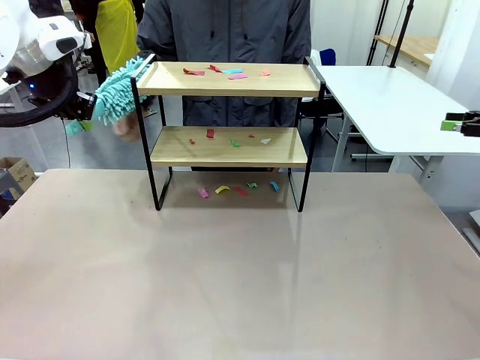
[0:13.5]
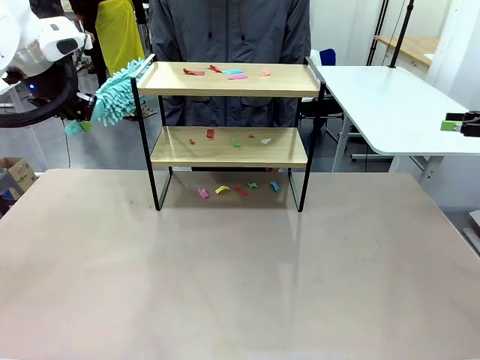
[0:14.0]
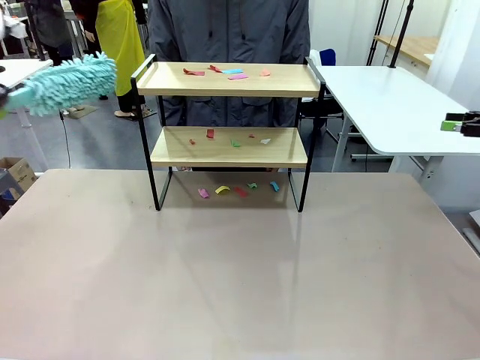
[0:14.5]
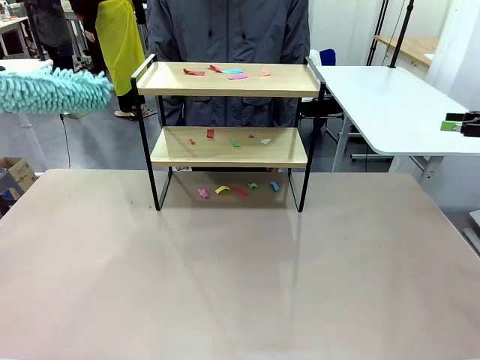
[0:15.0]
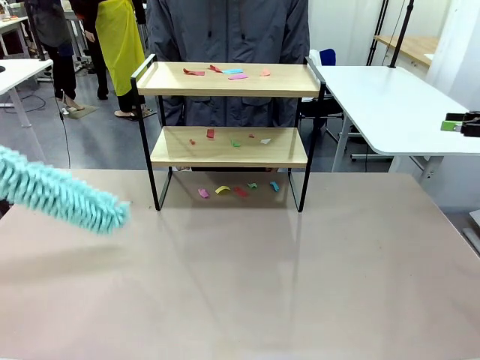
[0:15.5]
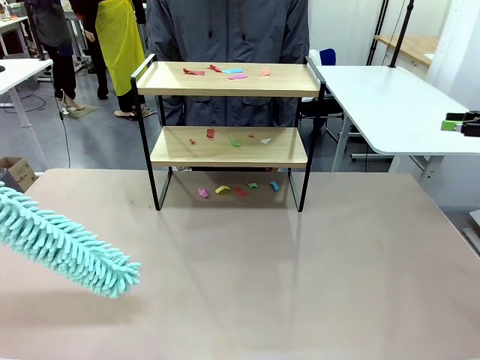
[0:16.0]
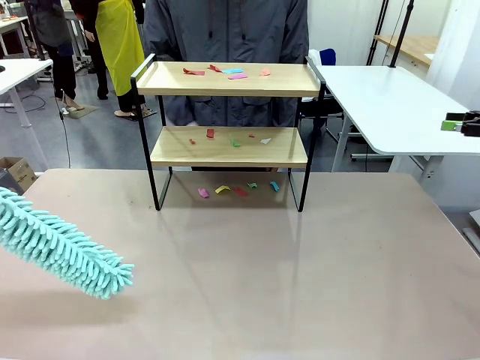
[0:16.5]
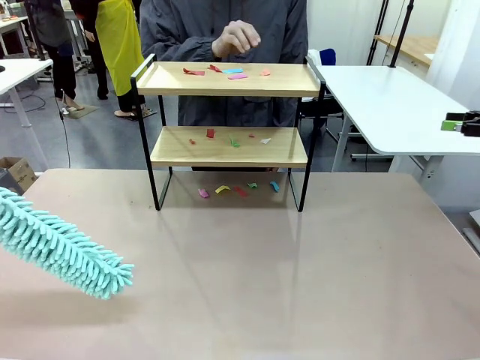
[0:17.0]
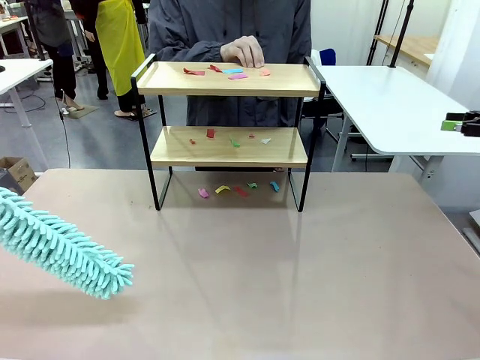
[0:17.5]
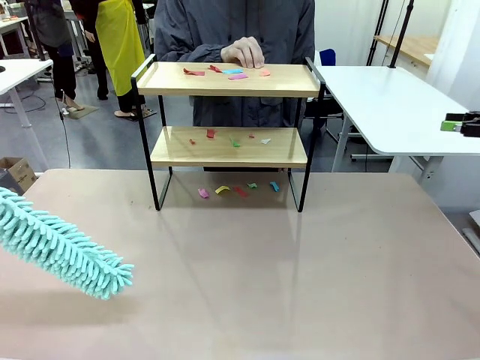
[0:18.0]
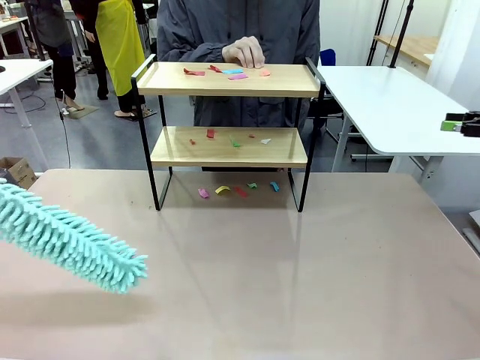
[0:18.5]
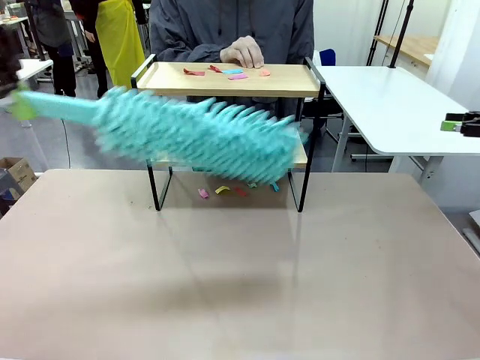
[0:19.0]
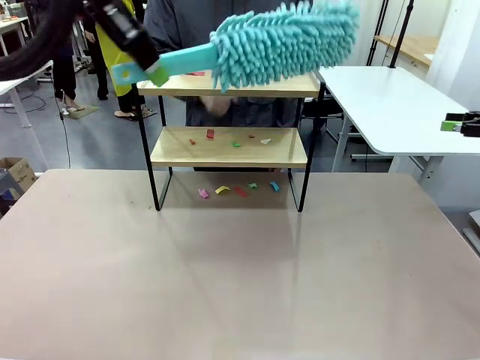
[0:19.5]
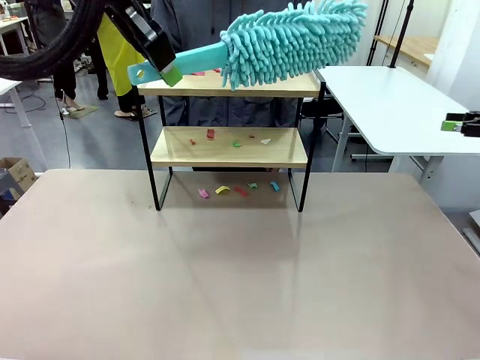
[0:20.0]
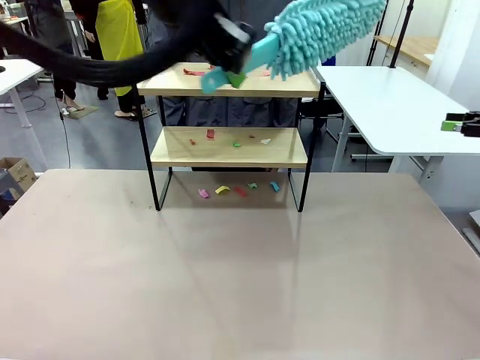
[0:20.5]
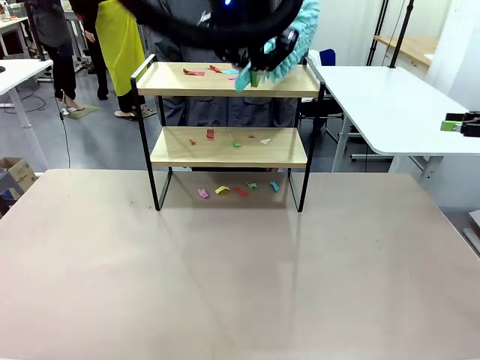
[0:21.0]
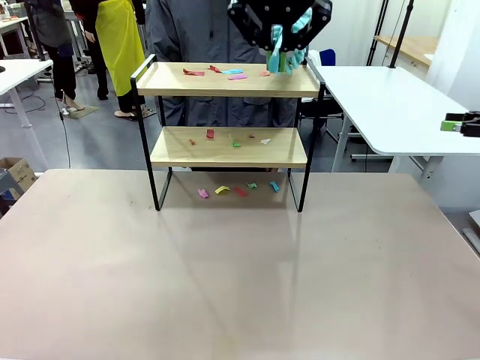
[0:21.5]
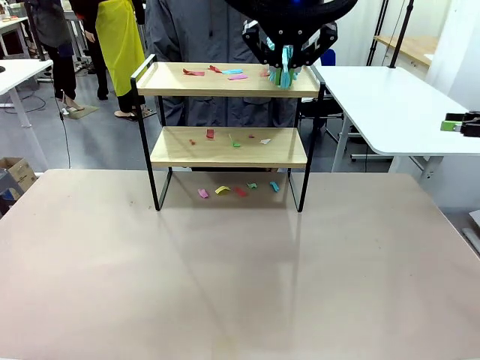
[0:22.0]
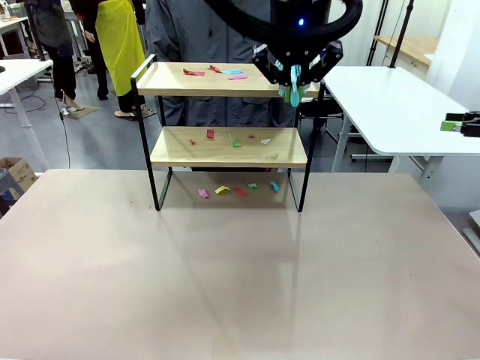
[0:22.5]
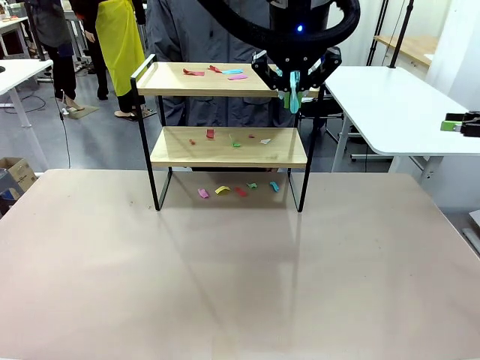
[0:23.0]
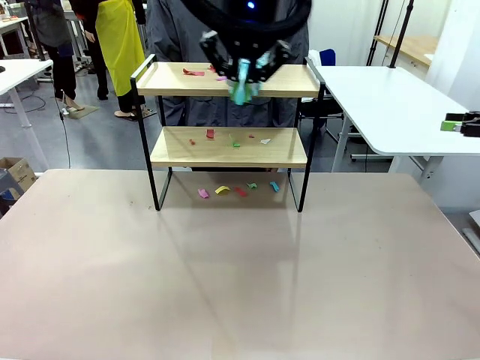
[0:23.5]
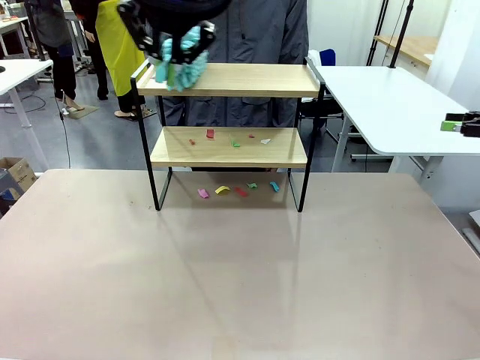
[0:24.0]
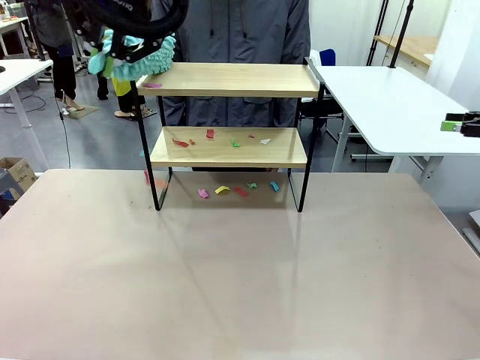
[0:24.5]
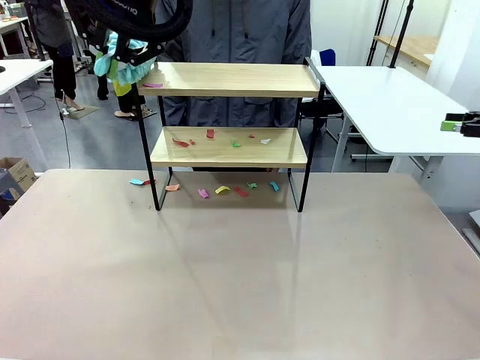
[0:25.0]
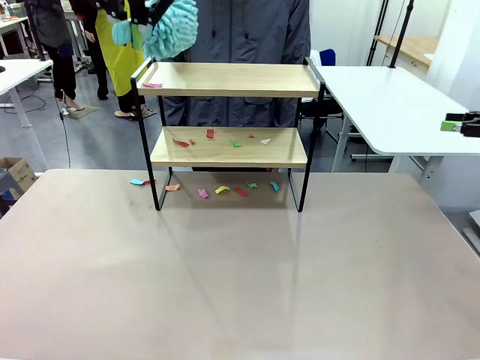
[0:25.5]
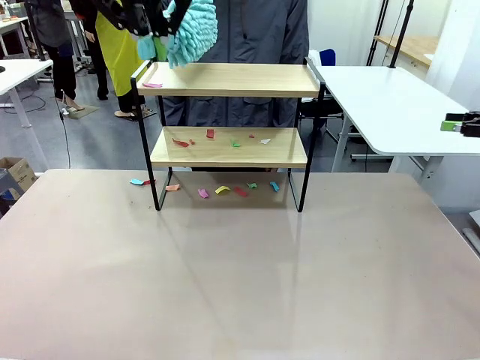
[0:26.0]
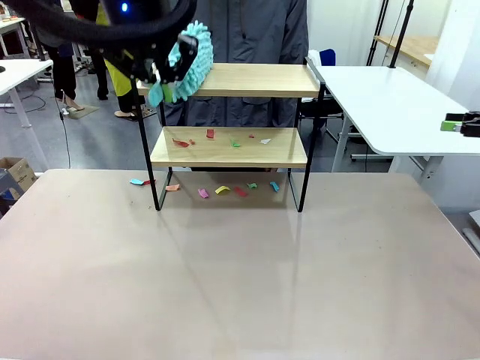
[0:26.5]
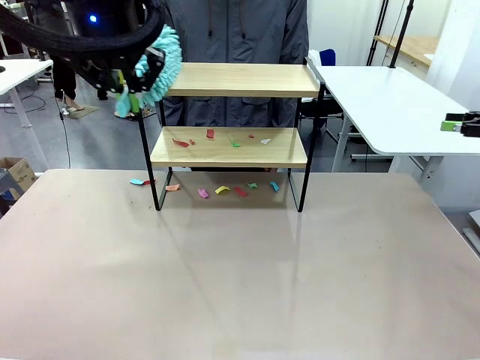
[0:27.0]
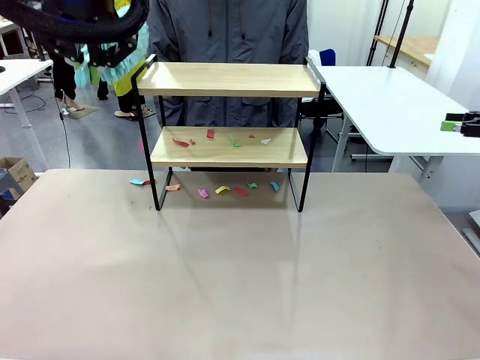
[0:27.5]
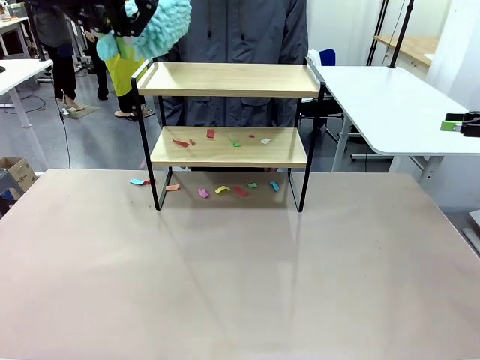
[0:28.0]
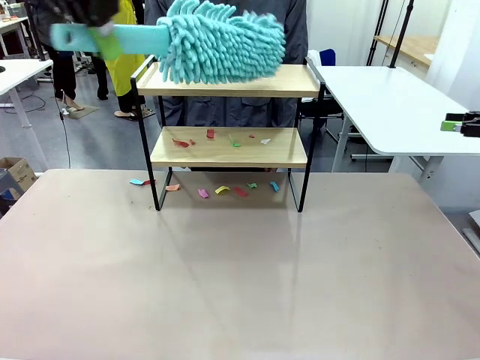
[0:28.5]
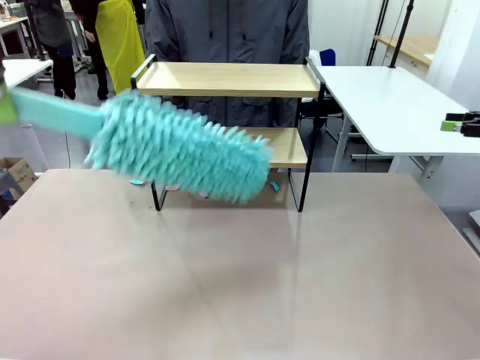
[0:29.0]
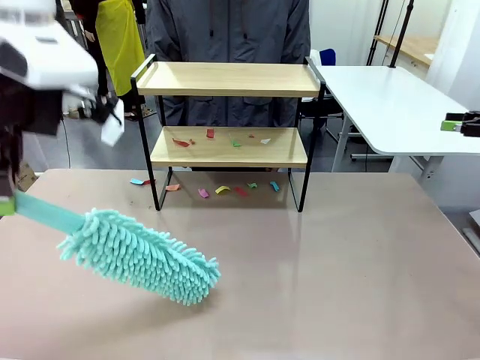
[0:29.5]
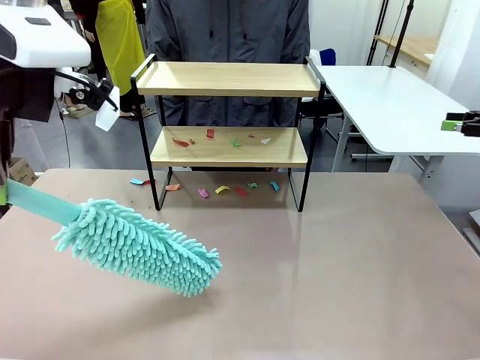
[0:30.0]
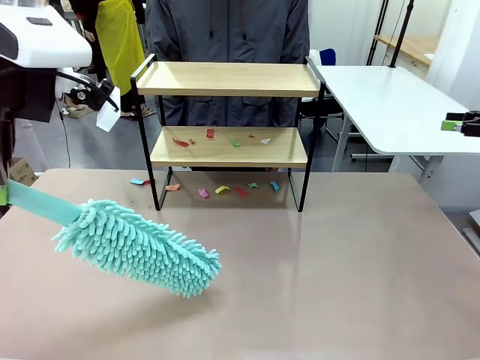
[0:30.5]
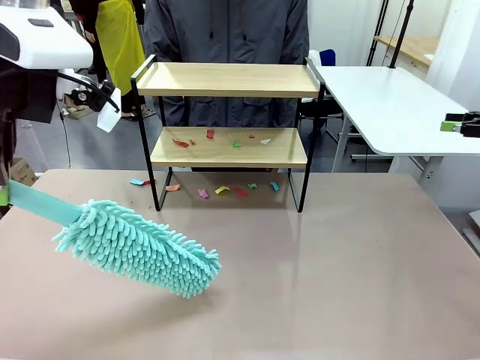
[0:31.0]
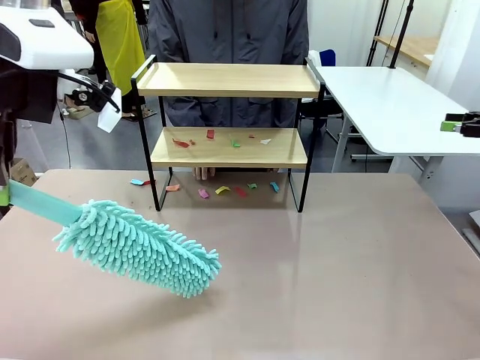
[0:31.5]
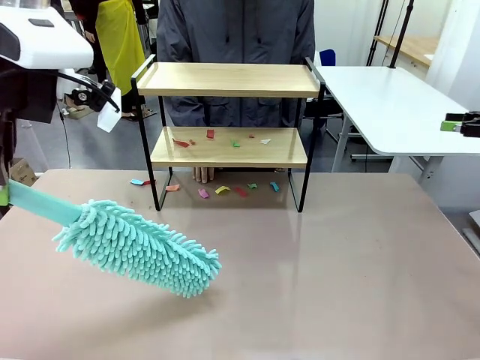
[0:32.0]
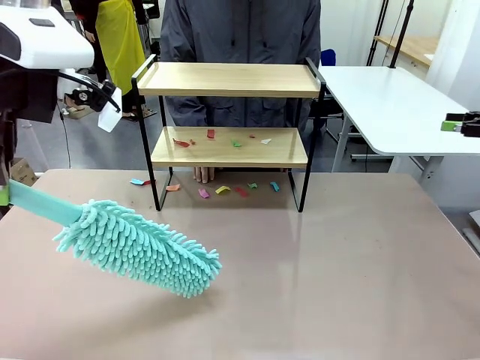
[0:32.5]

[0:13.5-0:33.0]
Task: Clean the shelf.
Robot: Clean the specific section of the Shelf indicated by the human with the Duster.
Person: Point a random section of the Shelf.
